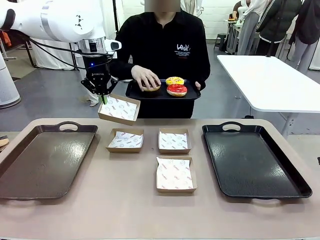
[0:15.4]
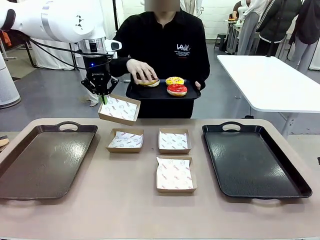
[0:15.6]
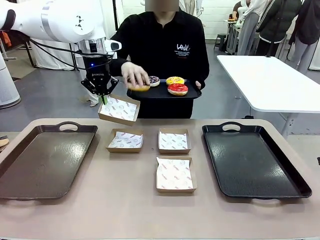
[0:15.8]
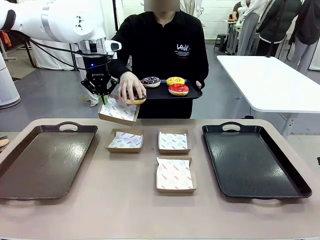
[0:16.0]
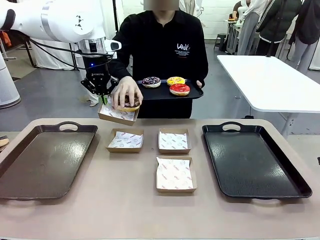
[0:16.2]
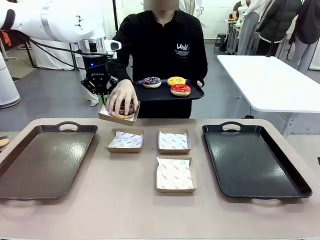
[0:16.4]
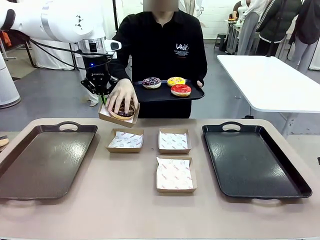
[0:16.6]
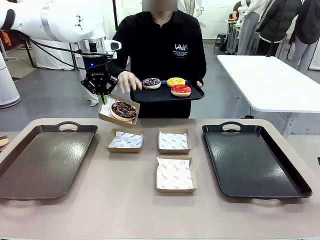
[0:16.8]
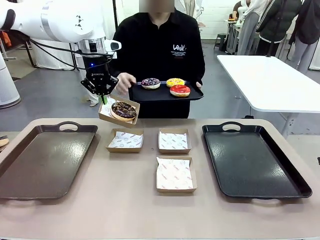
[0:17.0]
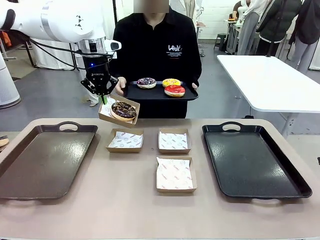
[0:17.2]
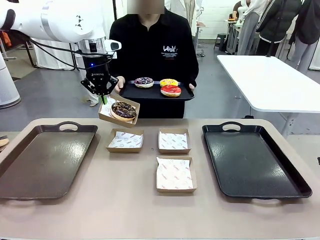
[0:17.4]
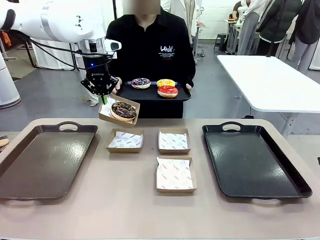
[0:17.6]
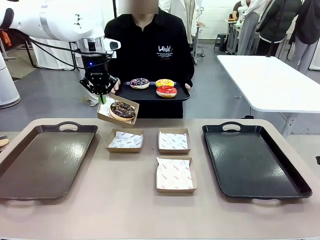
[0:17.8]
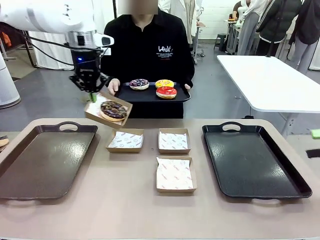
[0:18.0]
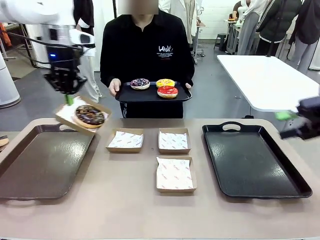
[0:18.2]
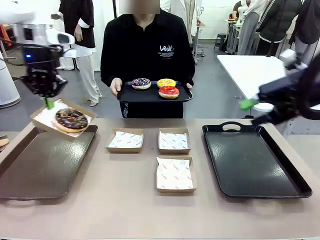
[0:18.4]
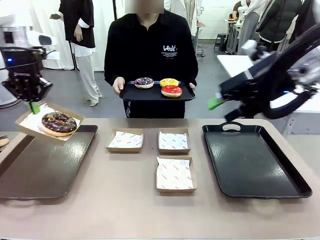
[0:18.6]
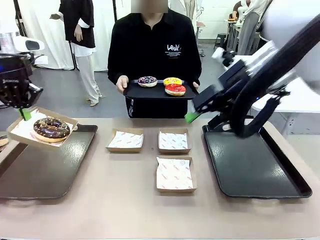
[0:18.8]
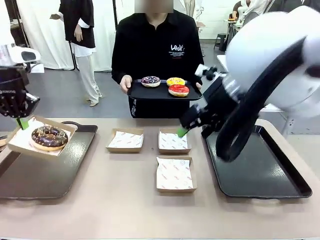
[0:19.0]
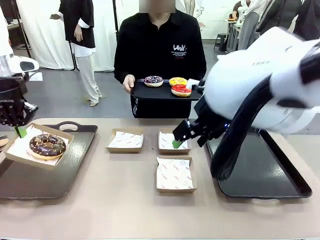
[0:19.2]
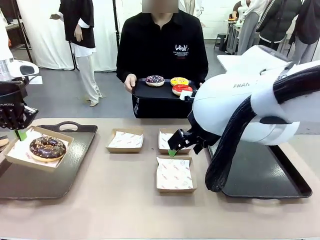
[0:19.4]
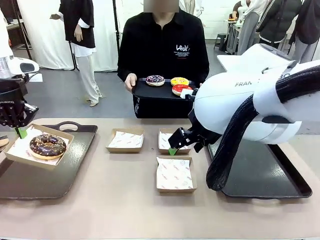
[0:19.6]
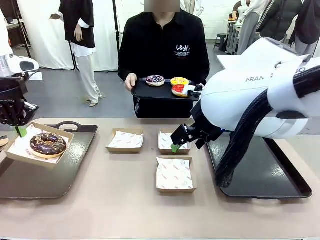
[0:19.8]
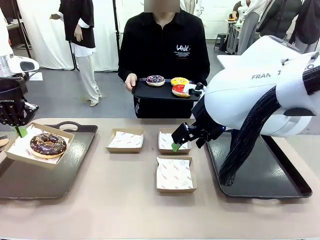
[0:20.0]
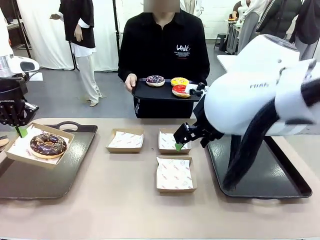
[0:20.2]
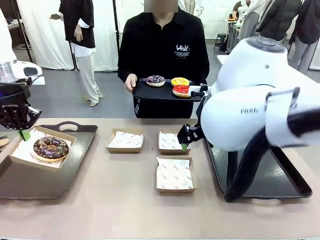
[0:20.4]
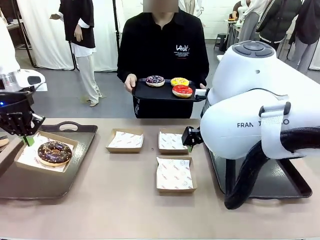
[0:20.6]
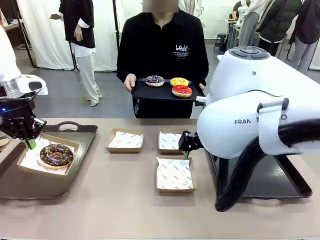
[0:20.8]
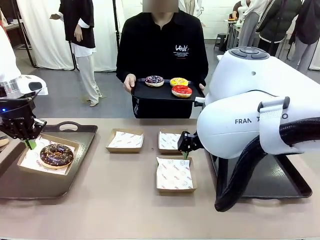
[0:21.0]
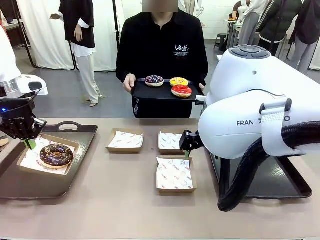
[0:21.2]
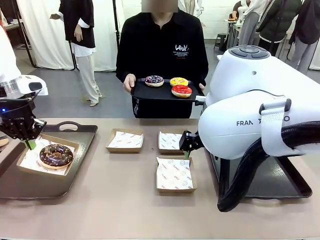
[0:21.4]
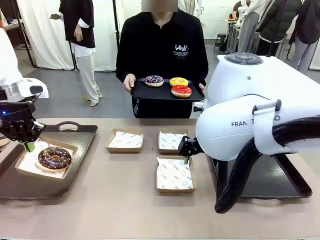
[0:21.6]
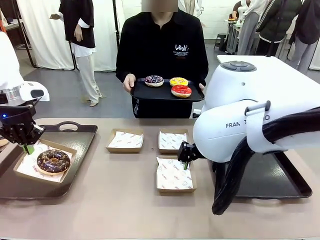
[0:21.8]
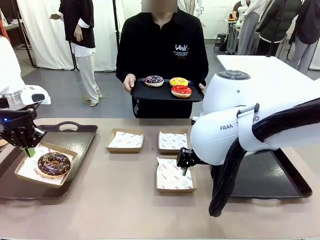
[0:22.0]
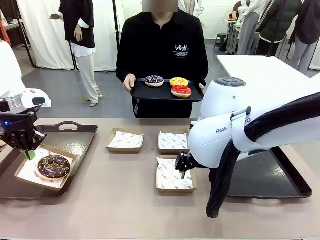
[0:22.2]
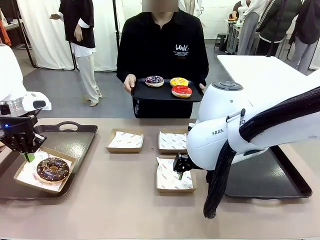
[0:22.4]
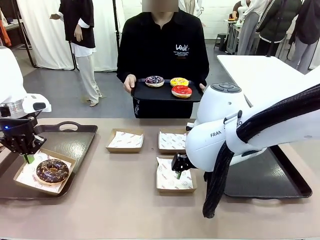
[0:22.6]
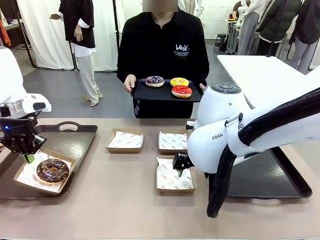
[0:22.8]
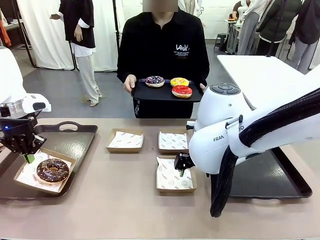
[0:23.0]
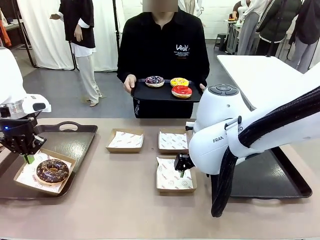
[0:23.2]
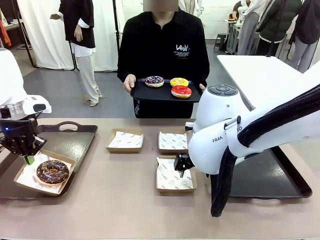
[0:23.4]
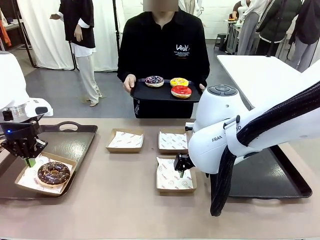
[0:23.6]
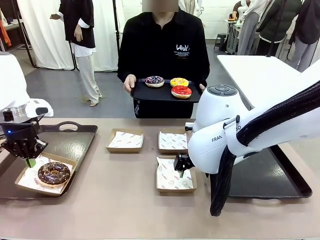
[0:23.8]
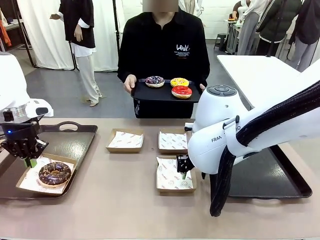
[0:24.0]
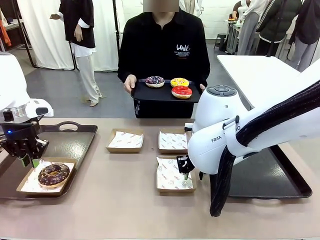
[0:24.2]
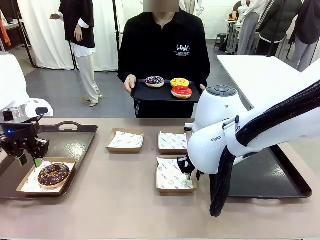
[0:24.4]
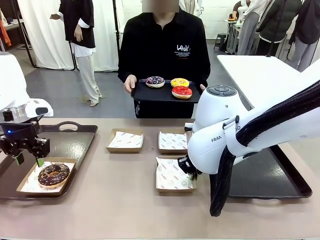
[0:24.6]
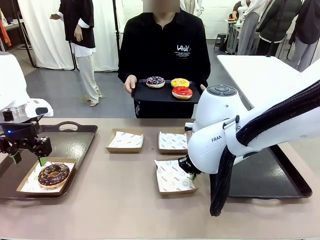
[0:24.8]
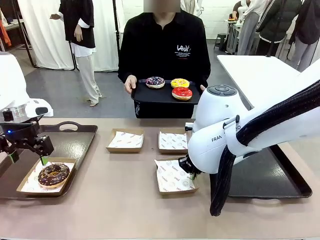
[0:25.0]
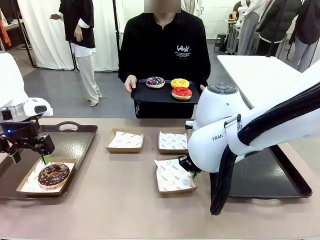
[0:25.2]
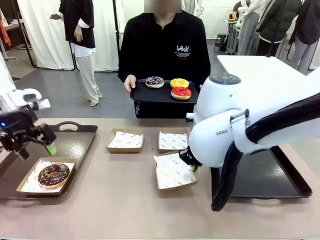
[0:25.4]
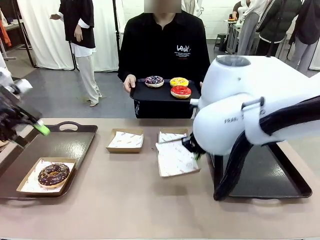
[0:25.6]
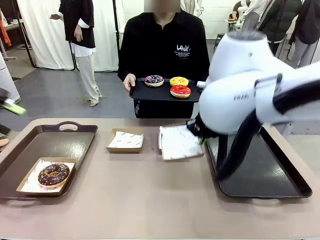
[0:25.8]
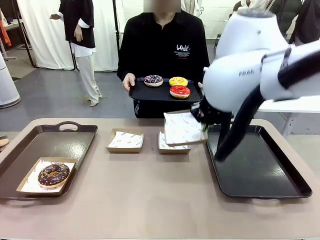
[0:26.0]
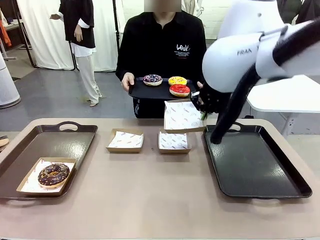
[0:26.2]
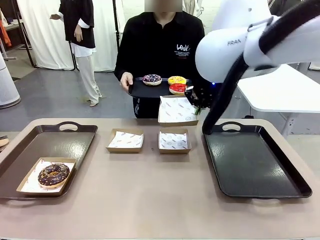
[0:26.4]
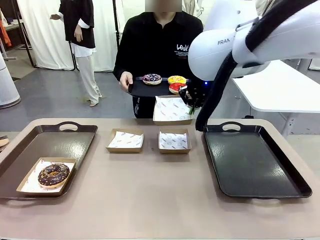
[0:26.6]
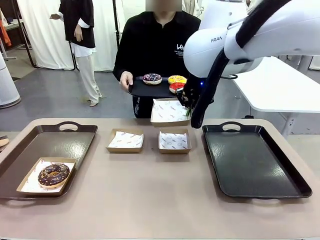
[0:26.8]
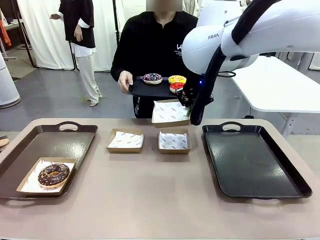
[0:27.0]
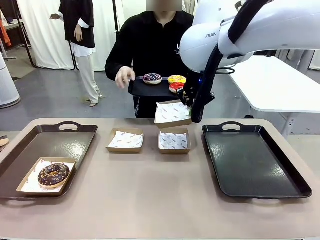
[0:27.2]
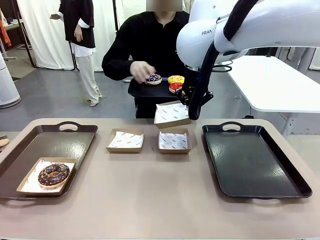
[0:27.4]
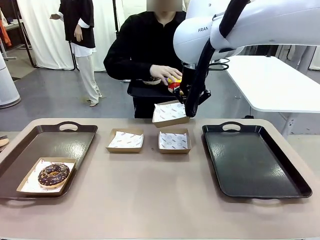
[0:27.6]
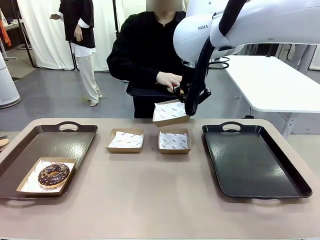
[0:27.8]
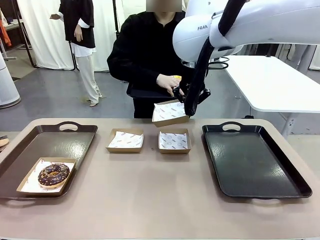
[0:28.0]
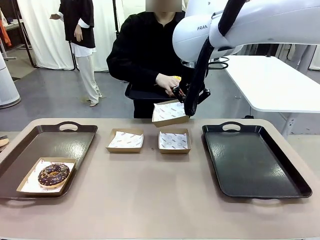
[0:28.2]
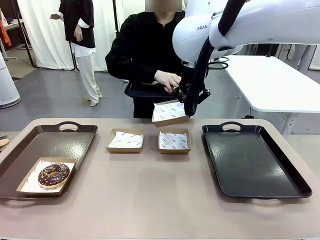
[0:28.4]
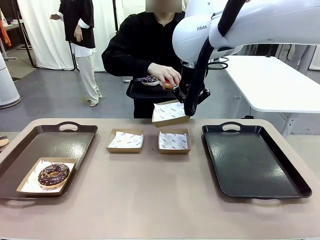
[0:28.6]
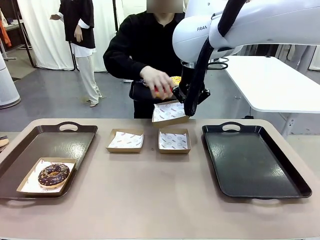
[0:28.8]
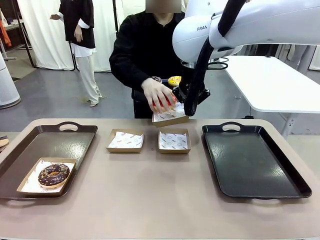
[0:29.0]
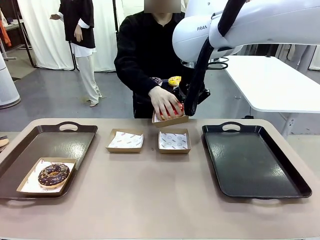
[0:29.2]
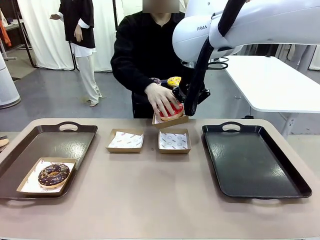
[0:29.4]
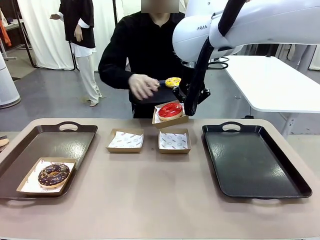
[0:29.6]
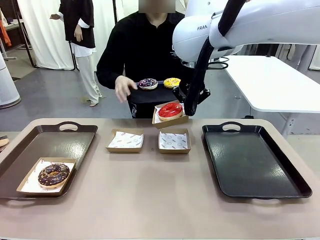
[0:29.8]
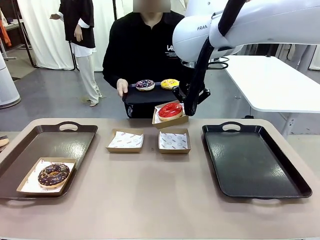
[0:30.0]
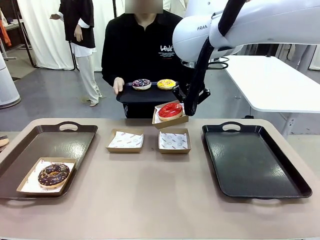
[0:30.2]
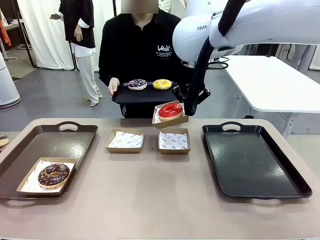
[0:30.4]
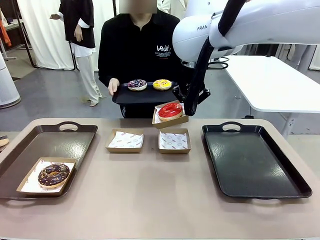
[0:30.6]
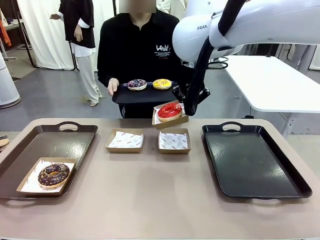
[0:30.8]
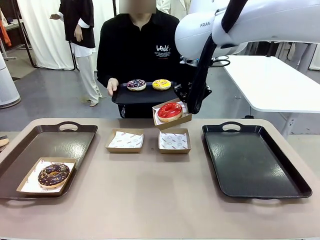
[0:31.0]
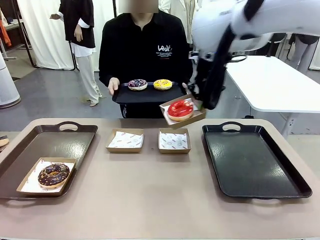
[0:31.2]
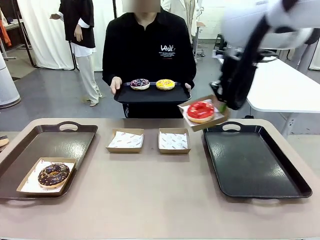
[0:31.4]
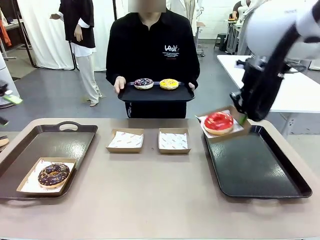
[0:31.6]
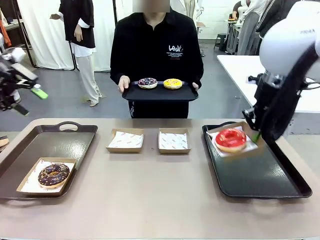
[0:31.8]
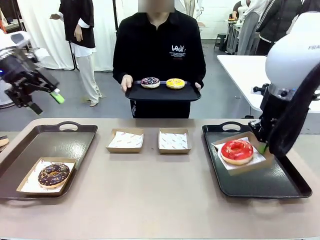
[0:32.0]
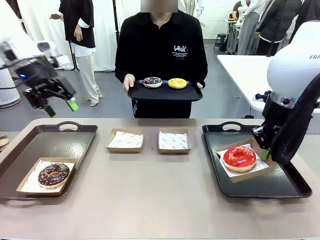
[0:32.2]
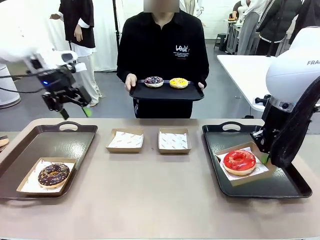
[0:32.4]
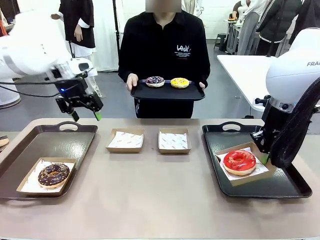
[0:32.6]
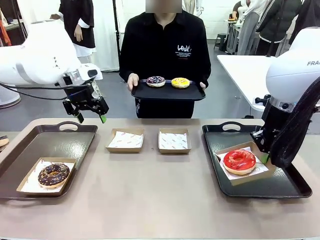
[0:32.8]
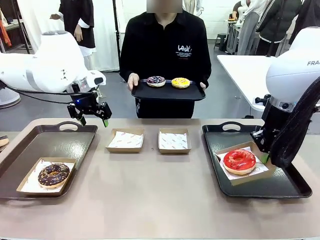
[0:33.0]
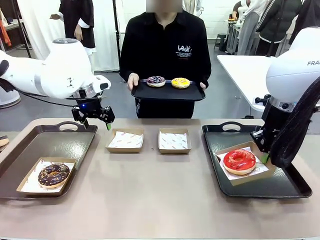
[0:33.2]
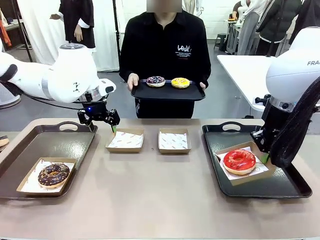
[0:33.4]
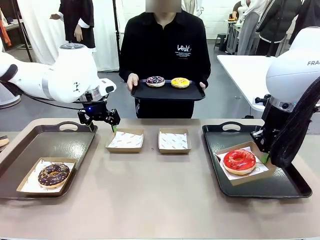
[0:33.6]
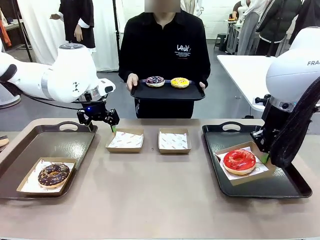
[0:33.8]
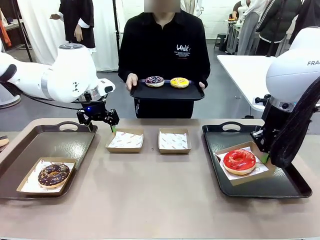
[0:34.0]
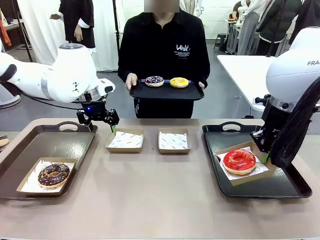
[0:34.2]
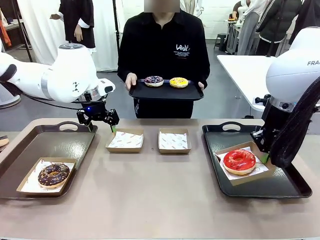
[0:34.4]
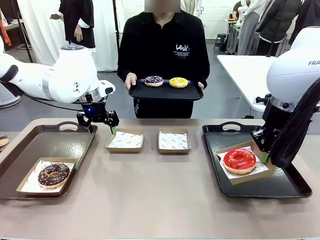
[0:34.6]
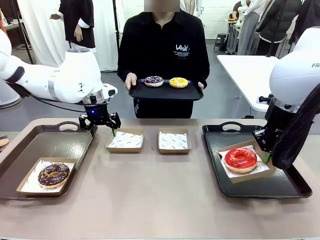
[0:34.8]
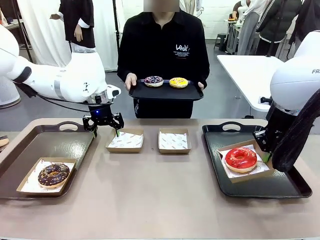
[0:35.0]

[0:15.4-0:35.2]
Task: Individually package the donuts and arrange them on the tray.
Robot: Place the picked Paper togo box on the Handle tray while simultaneously picking up another Paper togo box from the table with the other hand.
